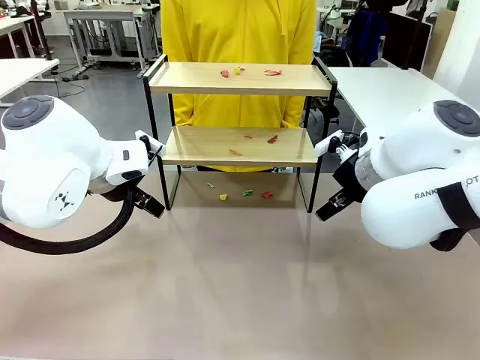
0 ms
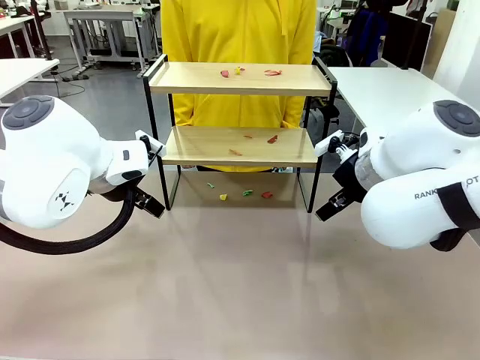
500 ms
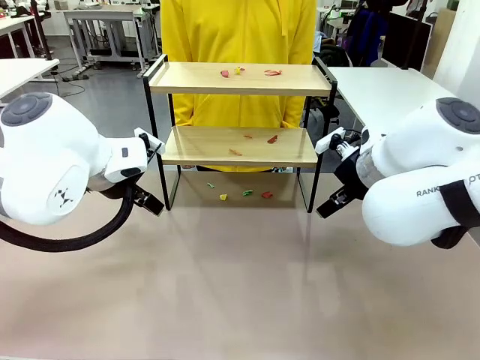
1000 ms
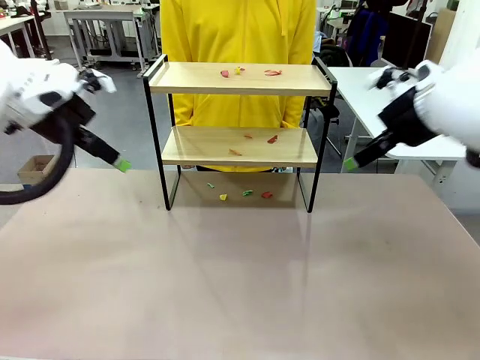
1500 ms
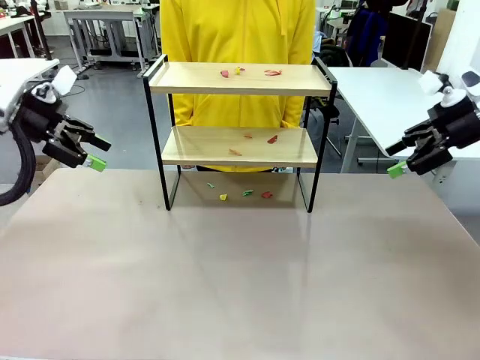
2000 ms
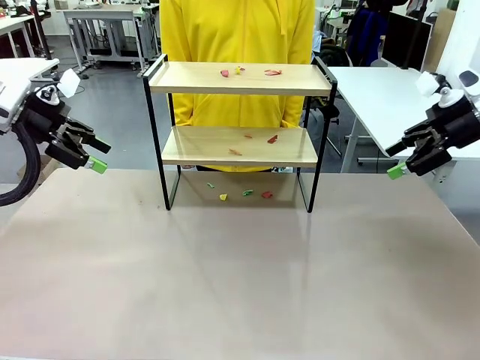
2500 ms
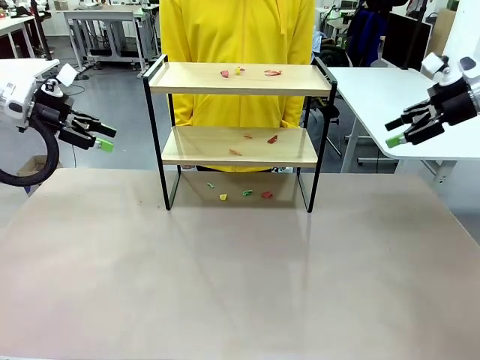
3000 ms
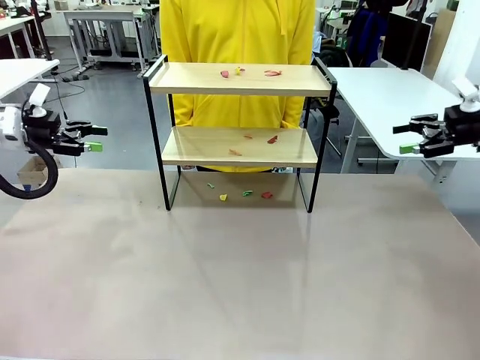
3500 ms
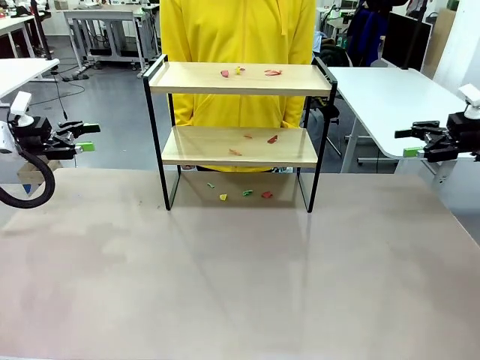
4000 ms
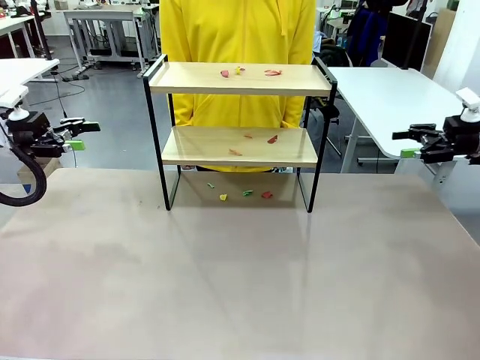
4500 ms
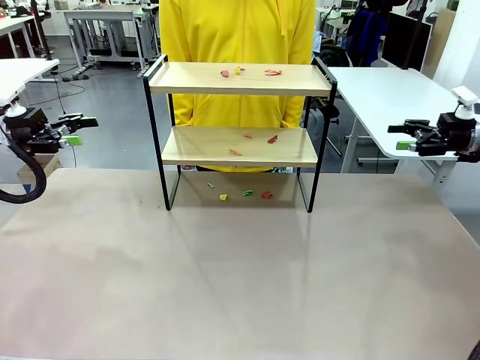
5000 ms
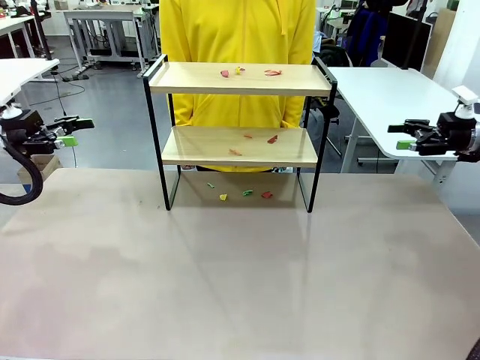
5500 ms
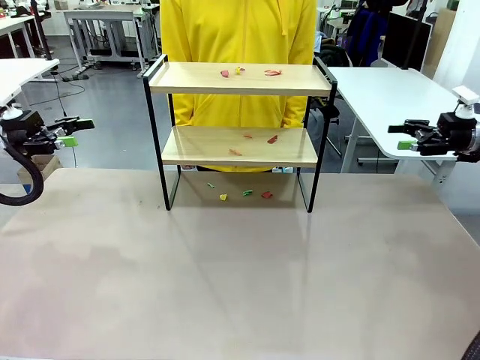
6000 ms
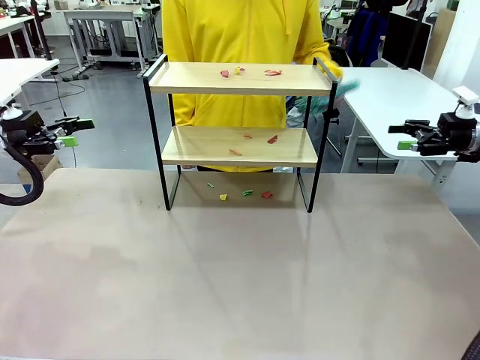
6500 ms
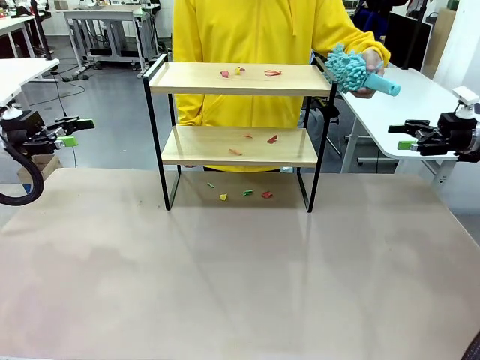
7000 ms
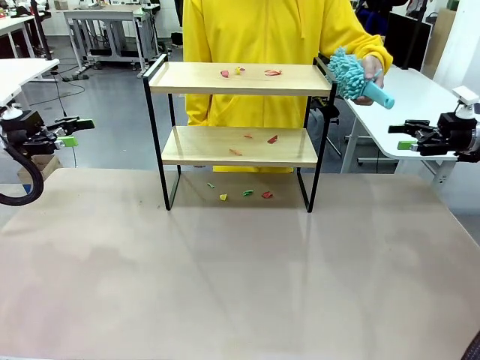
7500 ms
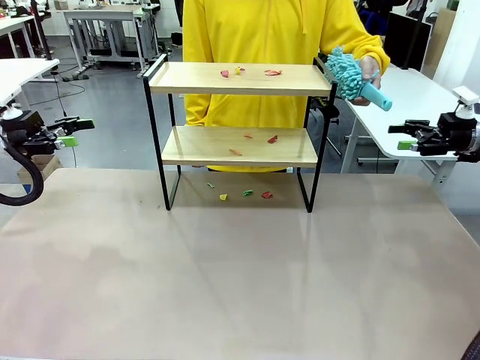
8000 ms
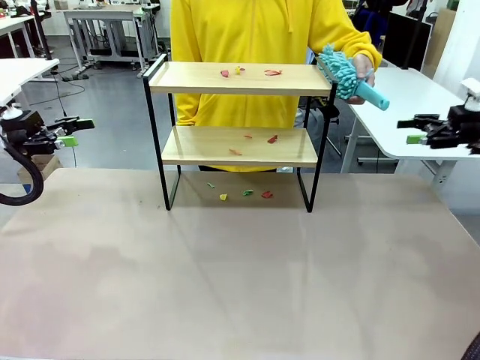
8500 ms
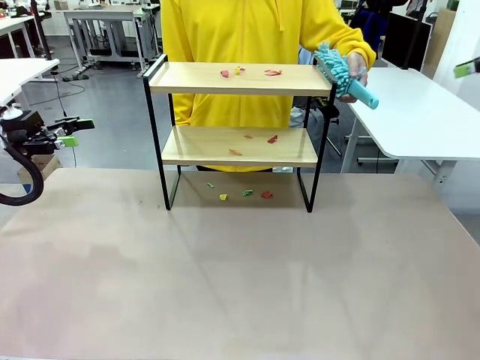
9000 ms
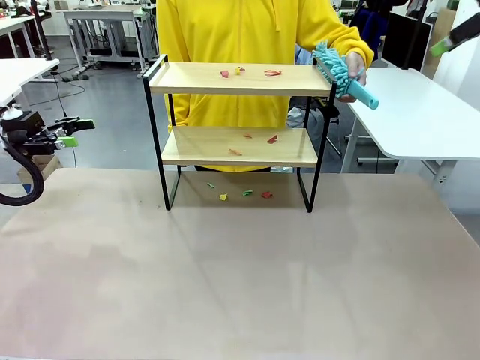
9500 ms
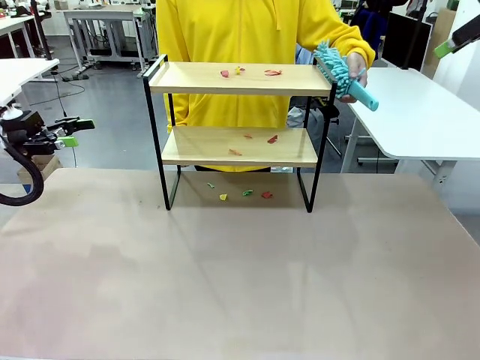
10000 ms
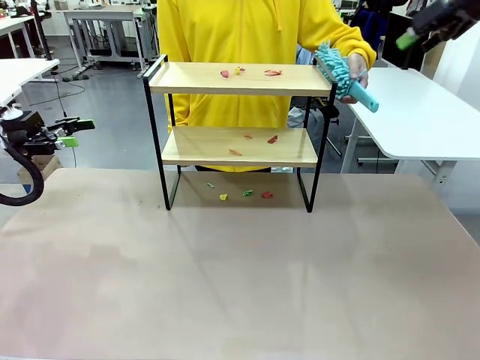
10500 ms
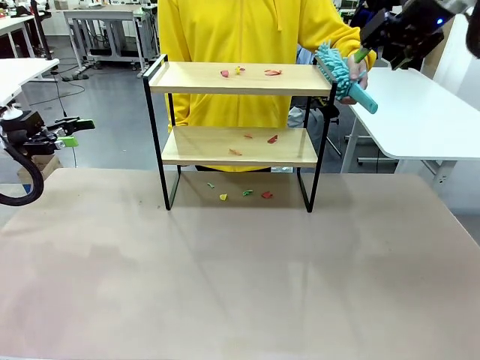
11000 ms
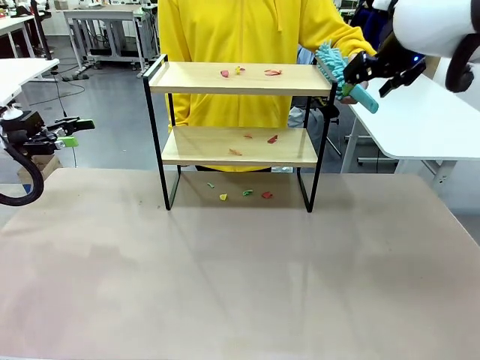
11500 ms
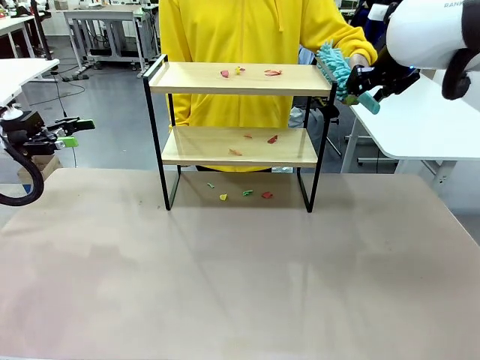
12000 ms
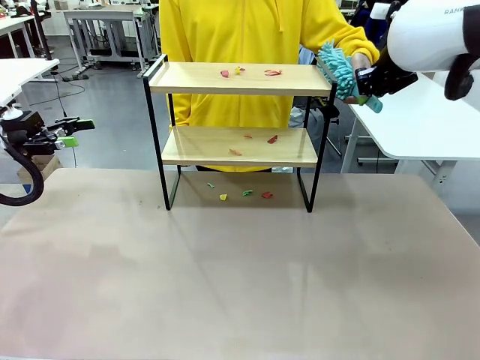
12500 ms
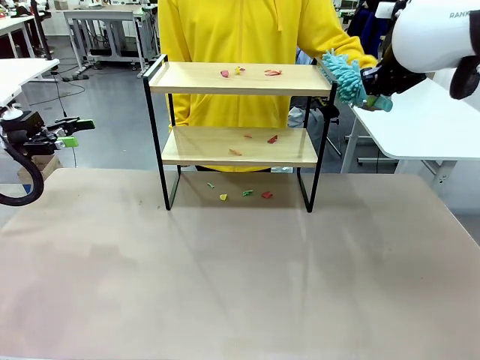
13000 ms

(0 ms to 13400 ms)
Task: Clean the shelf.
Robot: Pick up the Duster handed by the human.
Person: Hand the Duster to the robot.

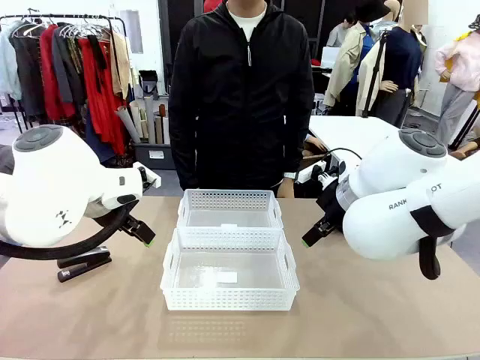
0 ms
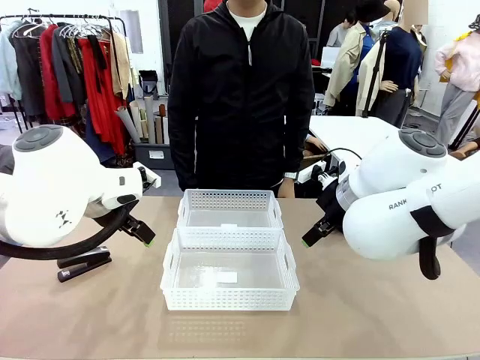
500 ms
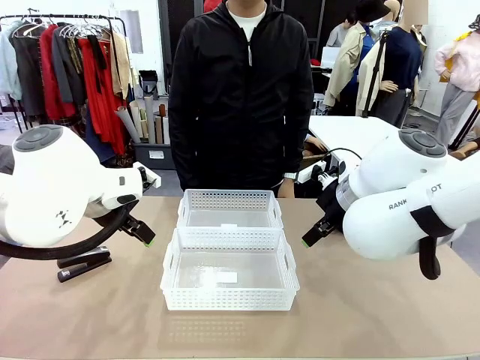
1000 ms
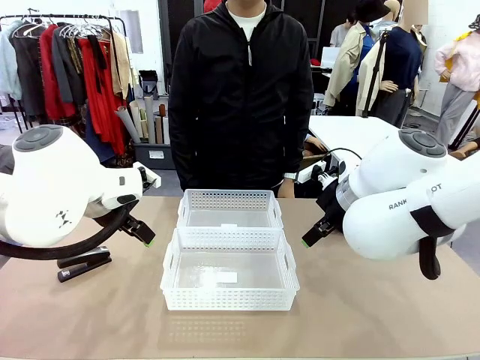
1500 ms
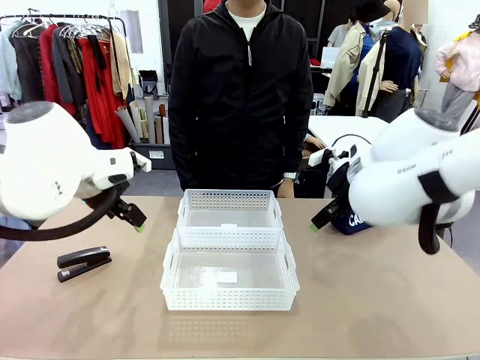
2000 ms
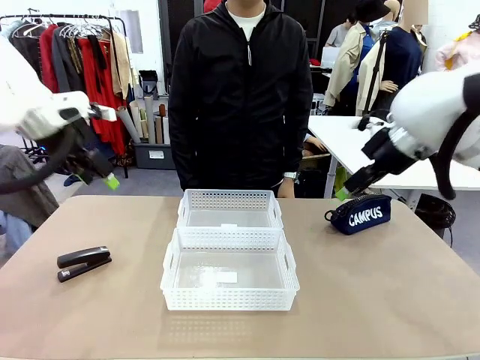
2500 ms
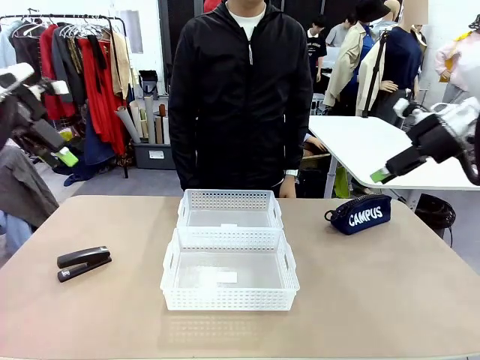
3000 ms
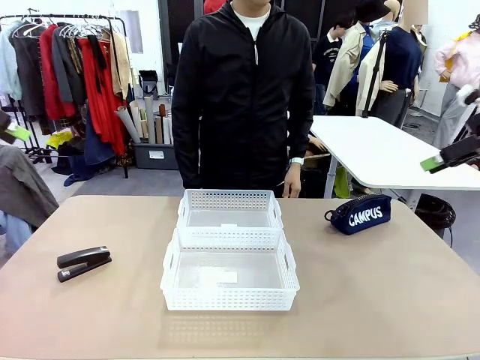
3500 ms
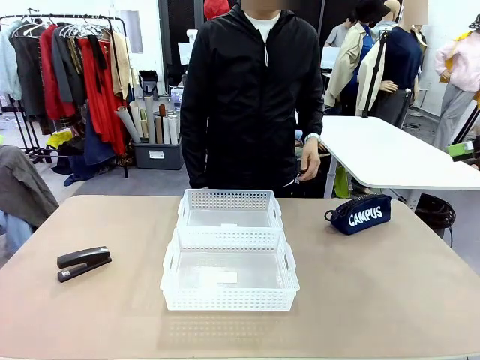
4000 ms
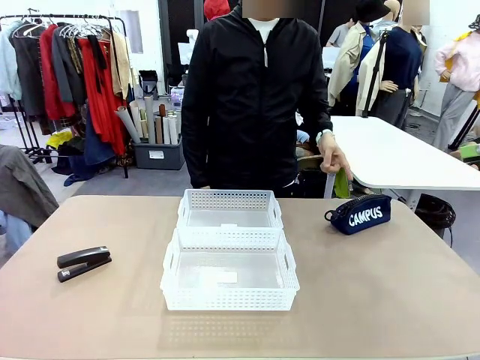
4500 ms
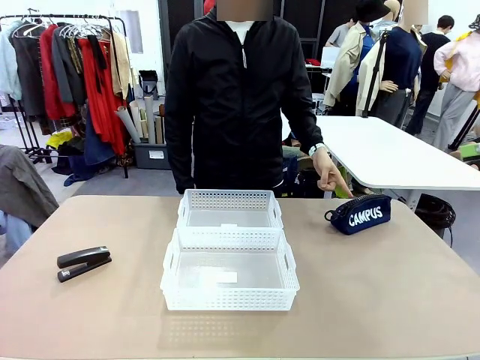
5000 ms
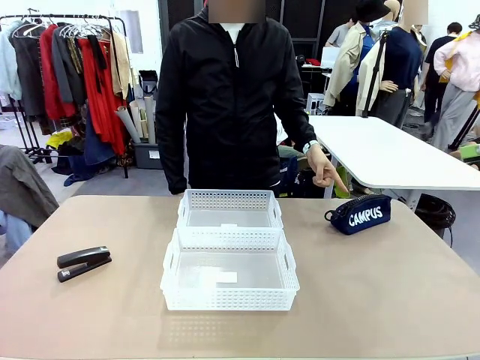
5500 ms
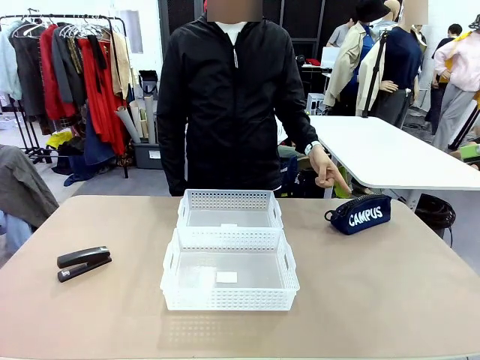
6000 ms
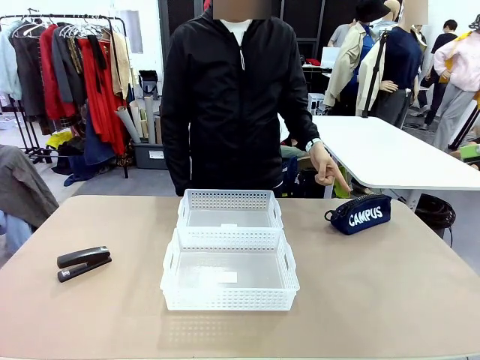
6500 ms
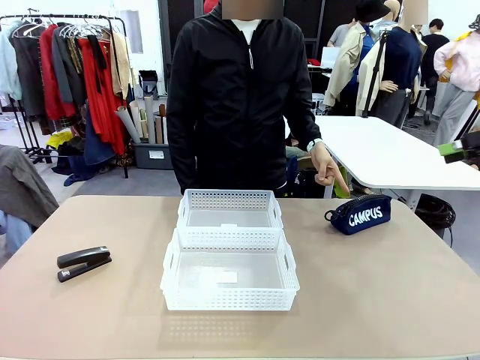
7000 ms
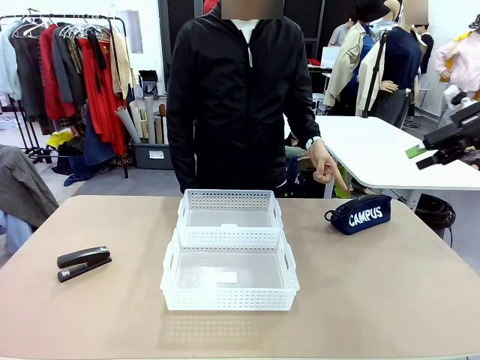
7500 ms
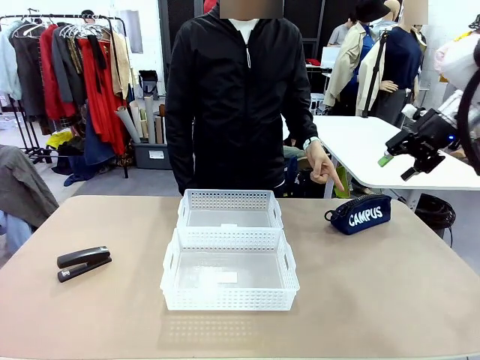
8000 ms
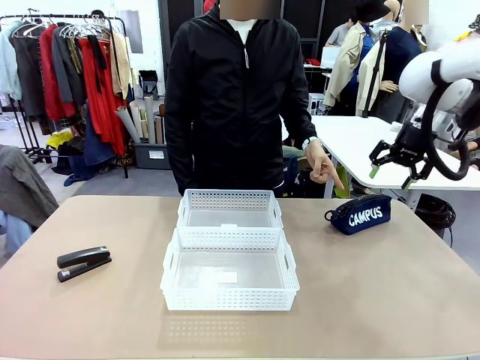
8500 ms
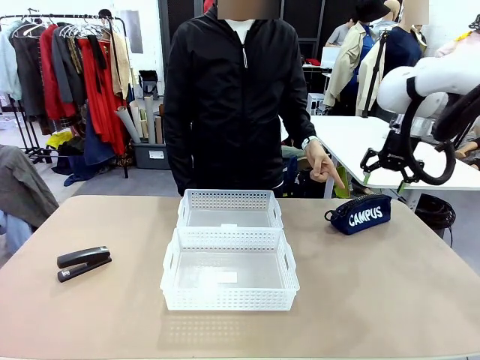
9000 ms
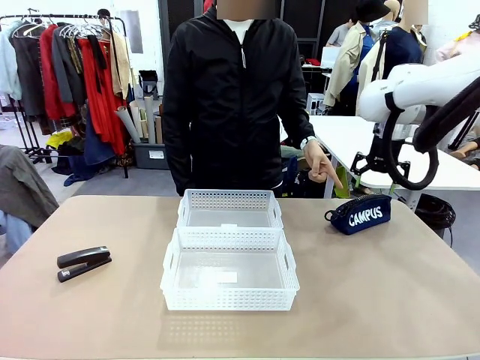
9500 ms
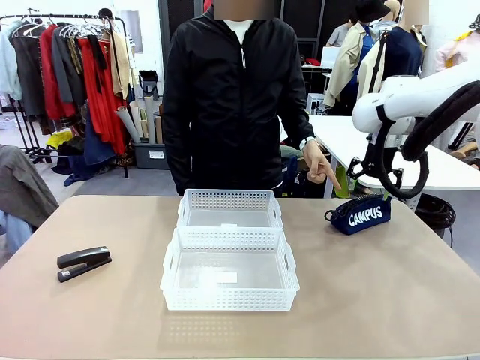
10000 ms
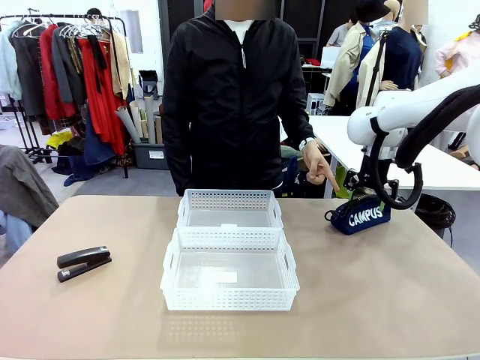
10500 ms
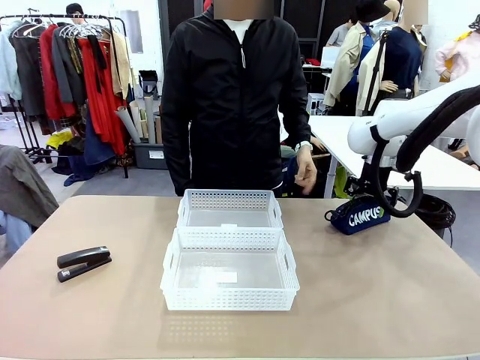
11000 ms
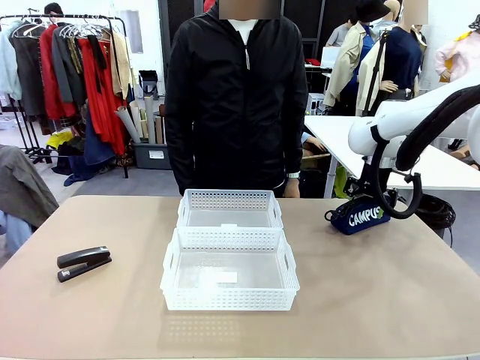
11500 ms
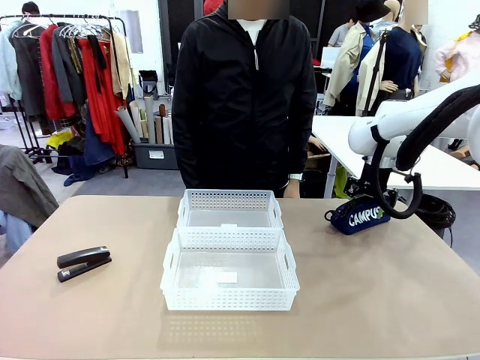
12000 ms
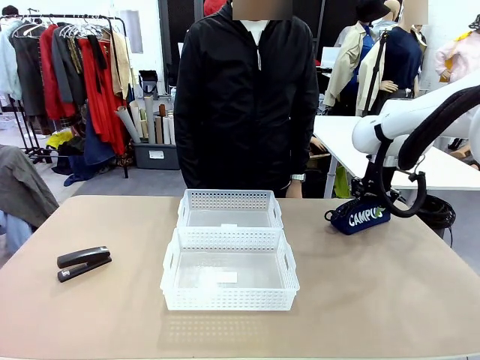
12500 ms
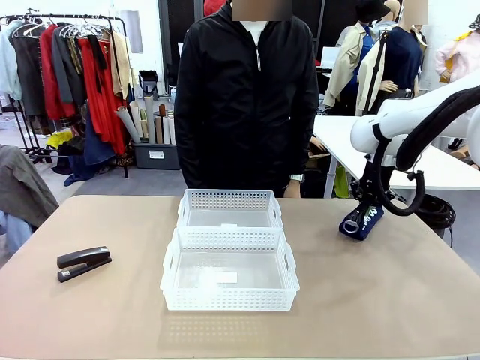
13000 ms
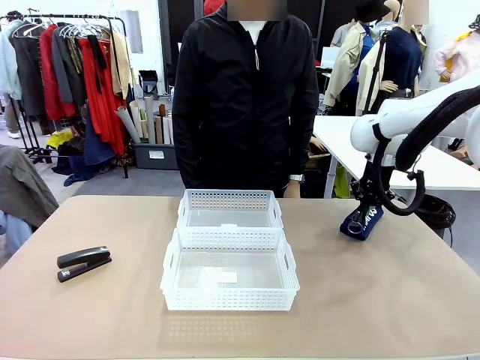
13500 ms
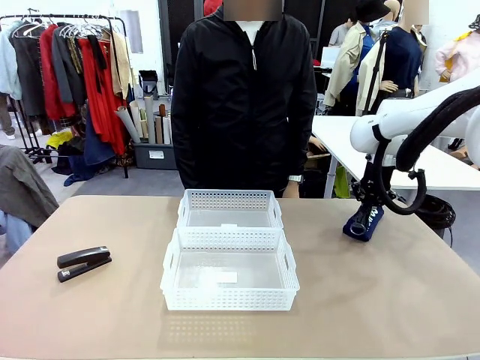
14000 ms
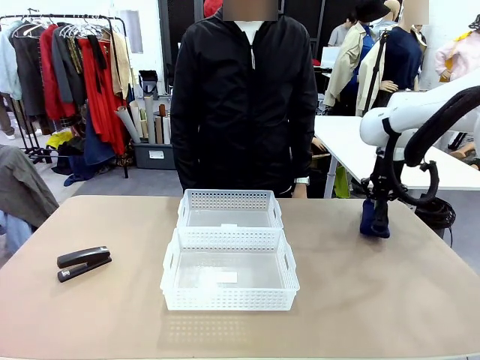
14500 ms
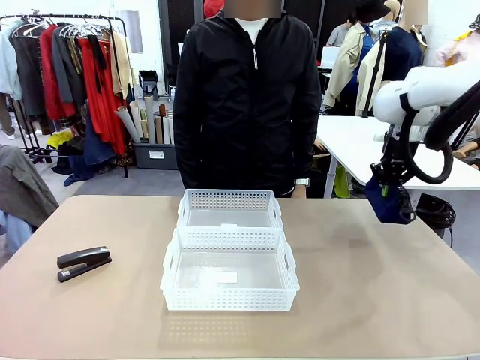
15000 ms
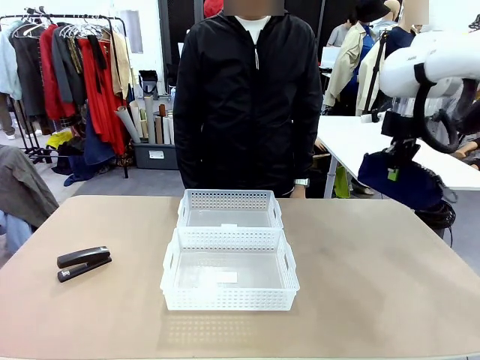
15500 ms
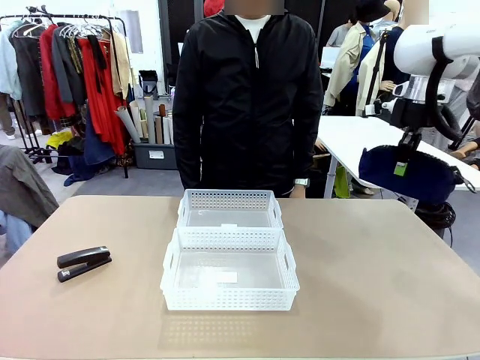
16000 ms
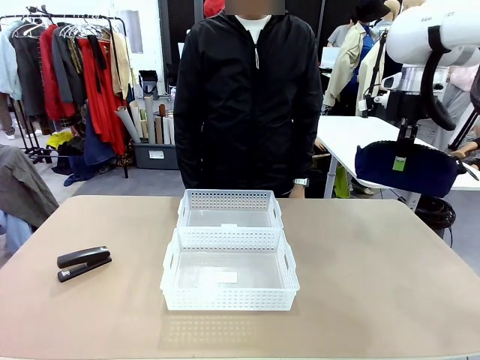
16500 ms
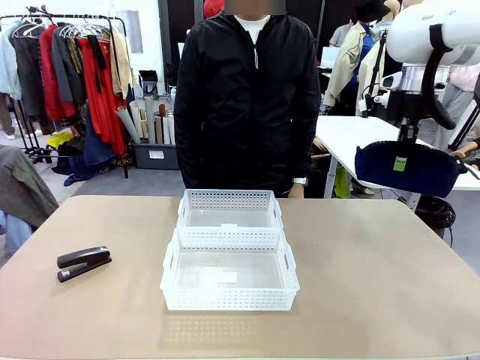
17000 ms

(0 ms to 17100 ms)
Task: Distribute items into two baskets.
Robot: Pick up the Pencil pouch that the person points to.
Person: Points to the pencil case. Points between the two organizing baskets and instructs the robot to move the pencil case.
